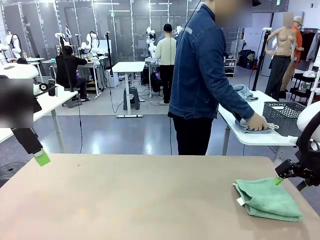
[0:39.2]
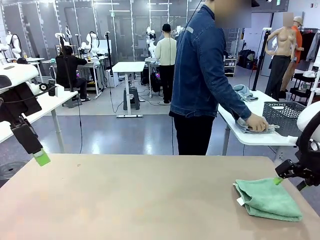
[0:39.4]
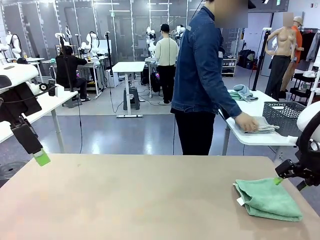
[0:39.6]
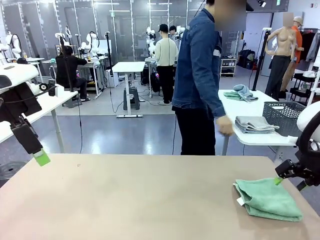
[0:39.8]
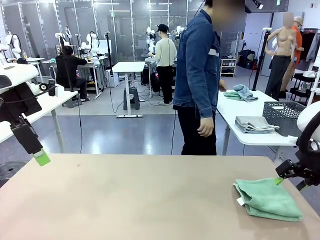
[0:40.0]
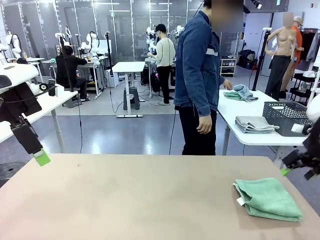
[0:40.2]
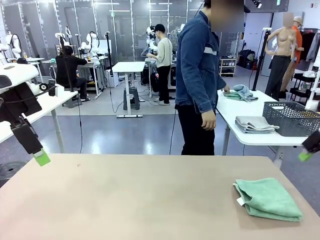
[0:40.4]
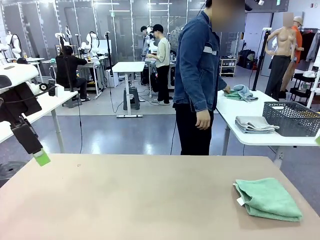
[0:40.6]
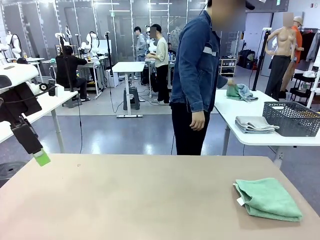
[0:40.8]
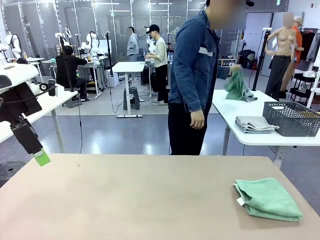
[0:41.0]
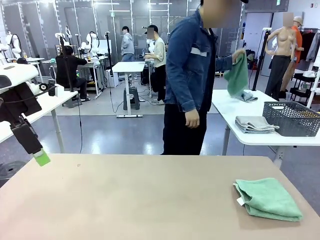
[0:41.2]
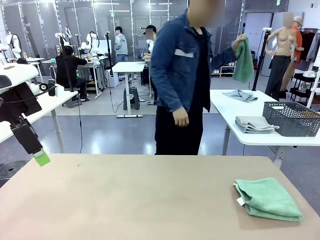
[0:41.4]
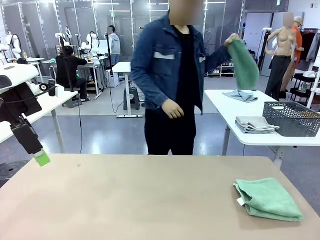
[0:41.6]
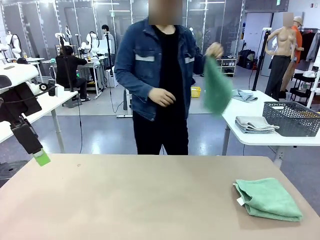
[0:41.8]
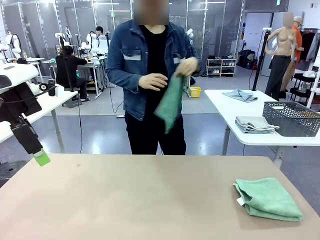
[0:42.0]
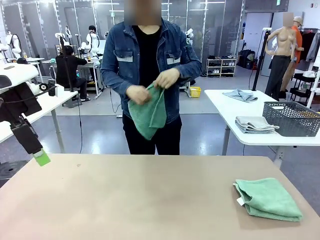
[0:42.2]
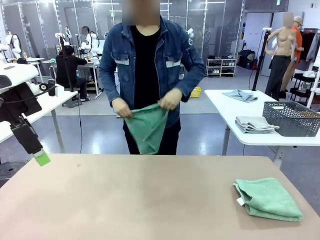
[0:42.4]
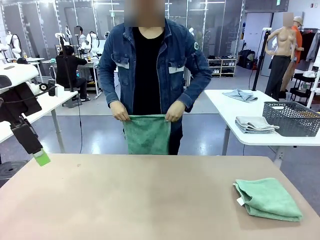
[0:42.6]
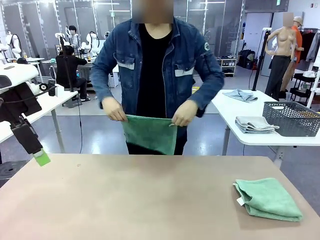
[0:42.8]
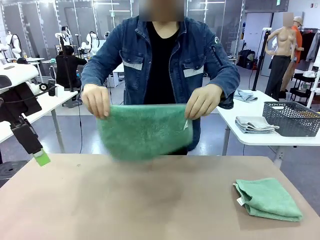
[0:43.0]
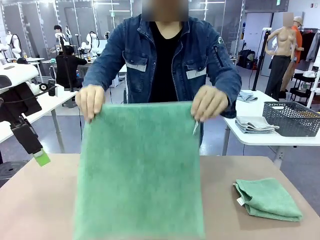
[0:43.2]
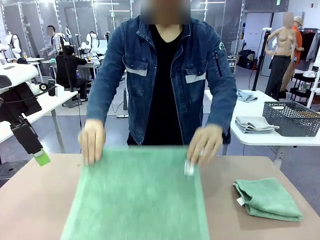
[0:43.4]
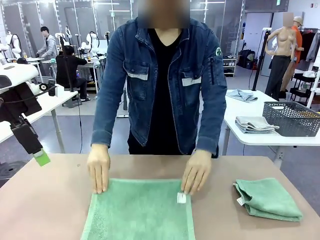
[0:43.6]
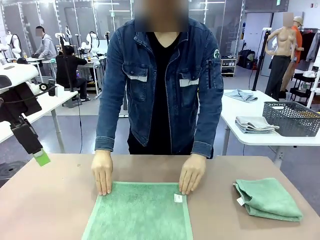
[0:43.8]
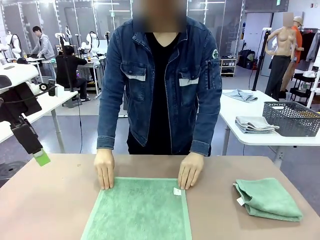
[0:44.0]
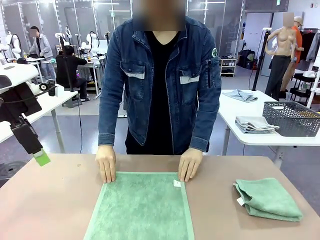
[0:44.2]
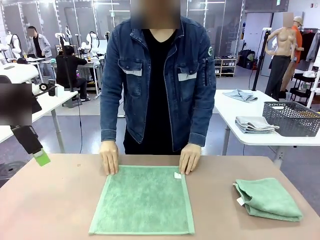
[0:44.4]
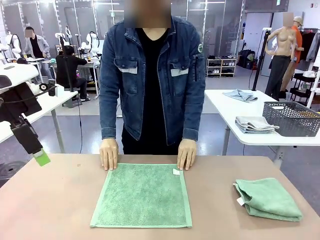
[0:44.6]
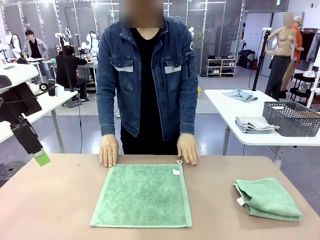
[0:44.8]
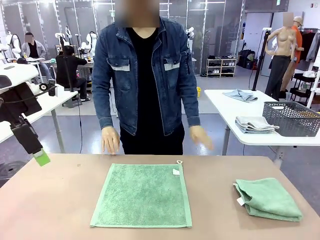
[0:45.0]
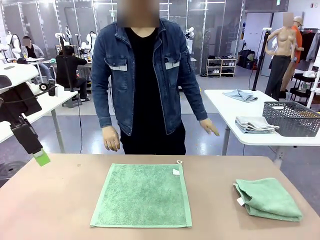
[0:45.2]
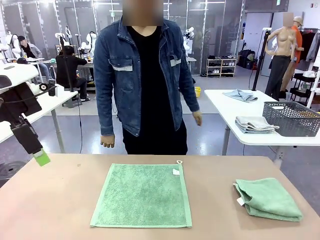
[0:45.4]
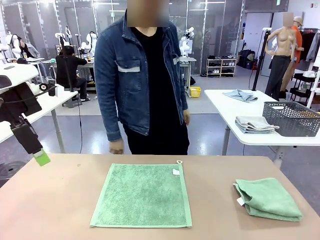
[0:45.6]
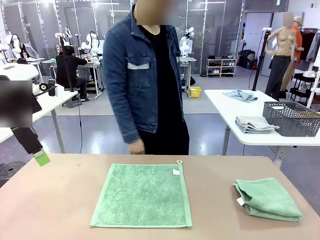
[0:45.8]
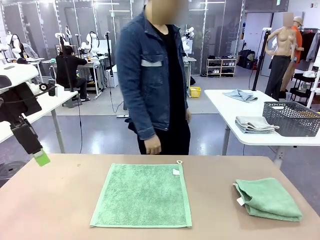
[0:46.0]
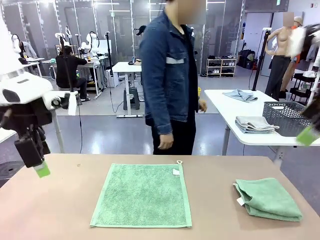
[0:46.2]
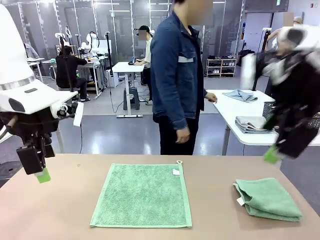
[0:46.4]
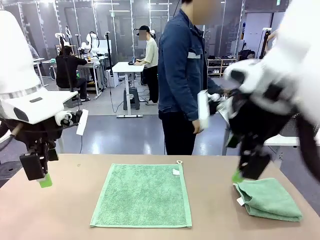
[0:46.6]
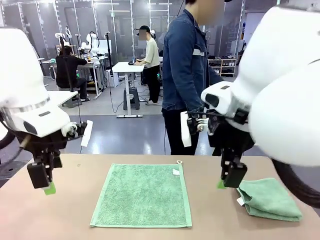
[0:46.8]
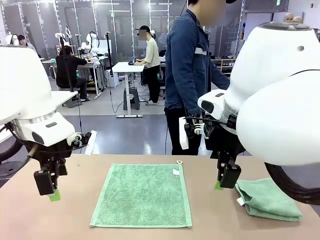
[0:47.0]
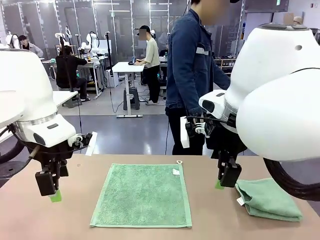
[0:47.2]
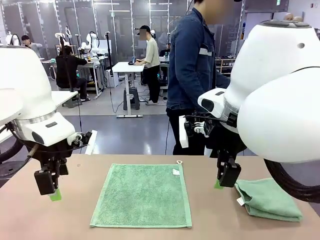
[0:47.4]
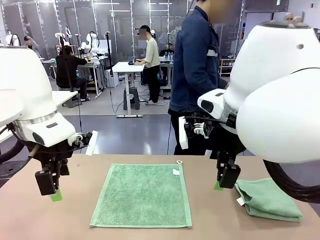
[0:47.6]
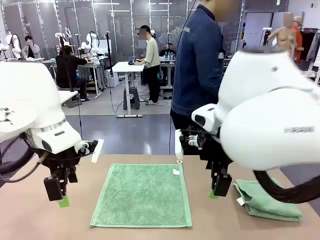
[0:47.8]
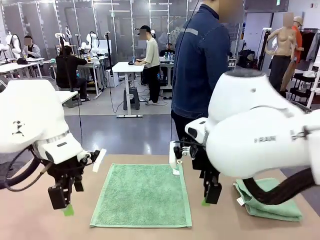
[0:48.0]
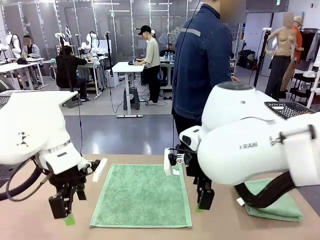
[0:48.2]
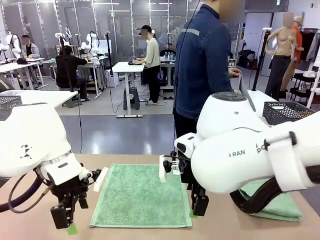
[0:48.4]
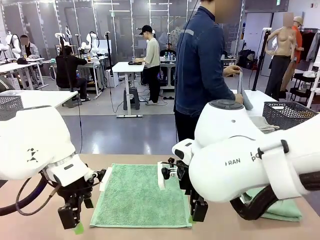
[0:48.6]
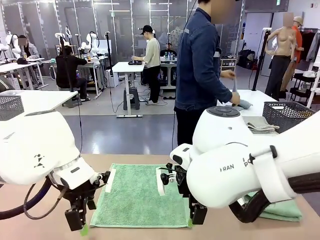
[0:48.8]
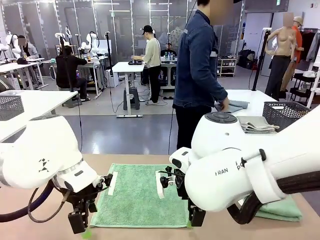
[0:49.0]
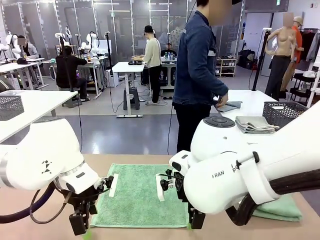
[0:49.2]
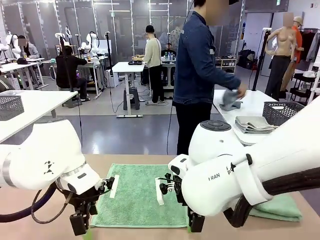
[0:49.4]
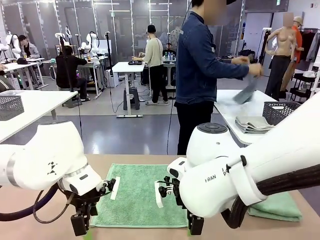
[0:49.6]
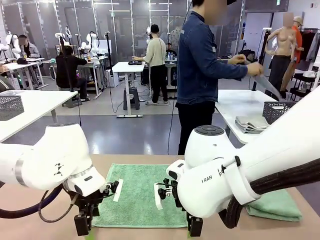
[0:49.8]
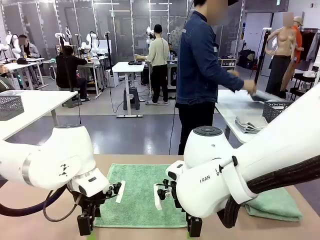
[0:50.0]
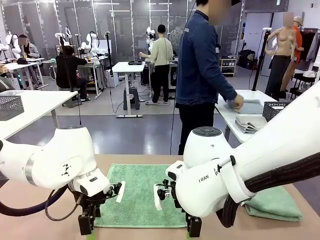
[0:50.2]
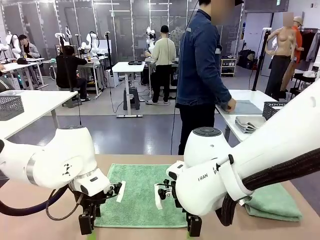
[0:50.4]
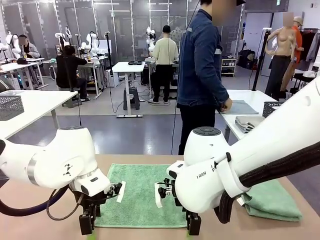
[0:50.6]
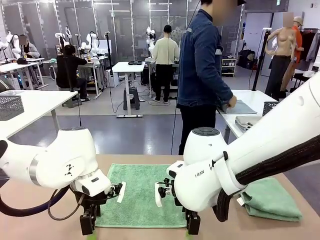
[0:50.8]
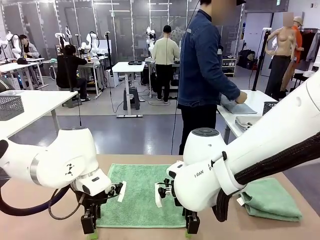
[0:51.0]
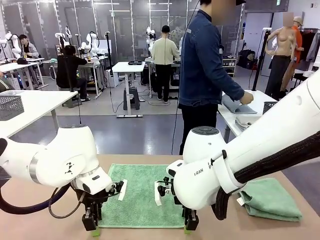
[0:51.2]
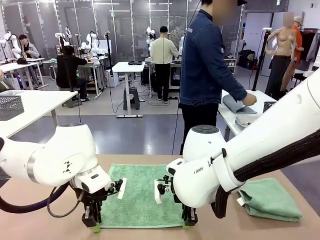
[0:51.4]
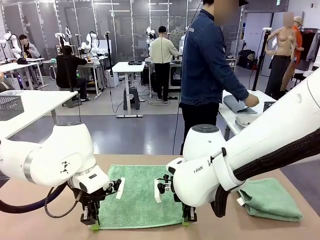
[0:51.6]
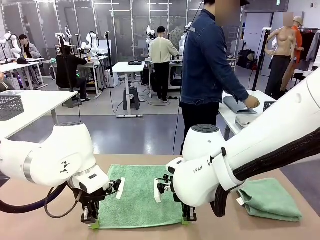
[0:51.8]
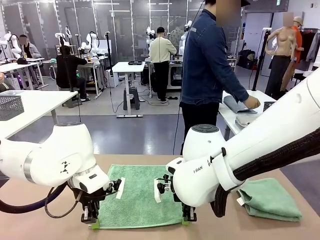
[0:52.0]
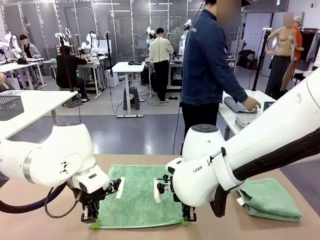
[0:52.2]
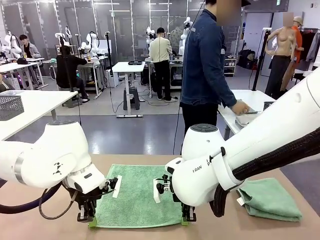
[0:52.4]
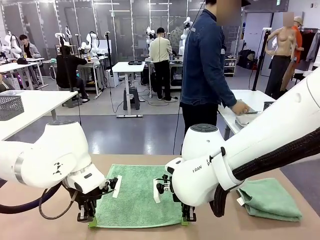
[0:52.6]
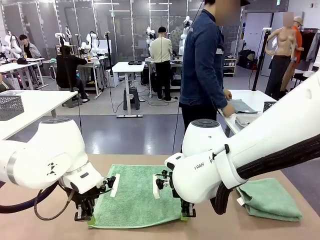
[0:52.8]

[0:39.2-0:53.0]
Task: Fold the towels and place them in the basket.
Robot: When a person lays out a Towel with hook on the table, fold it in half twice.
Person: Pick up one towel from the left side of the human table and spread it out at the center of the robot table. Pick up one towel from the left side of the human table, fold it in half twice, and stack it on the right side of the table.
